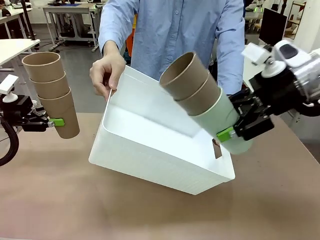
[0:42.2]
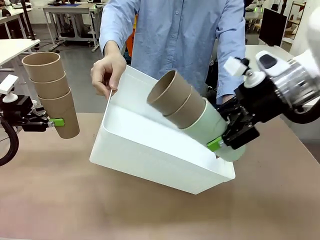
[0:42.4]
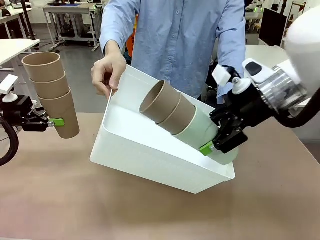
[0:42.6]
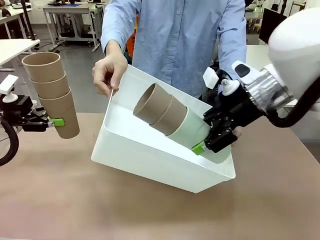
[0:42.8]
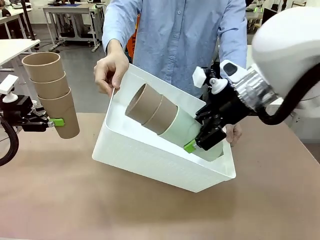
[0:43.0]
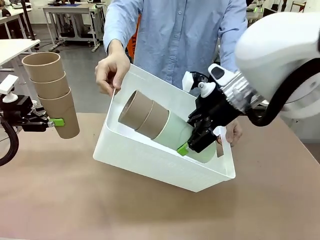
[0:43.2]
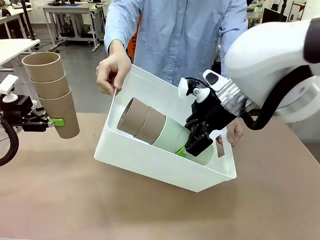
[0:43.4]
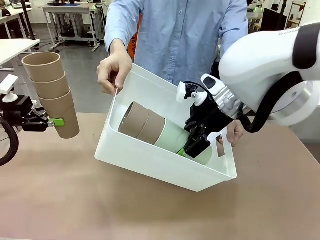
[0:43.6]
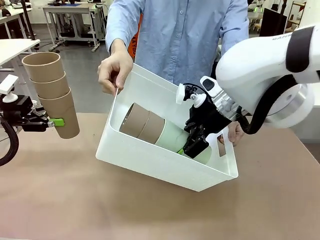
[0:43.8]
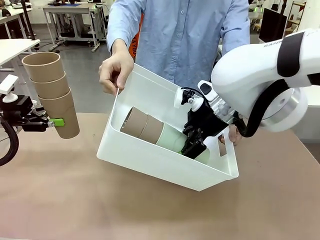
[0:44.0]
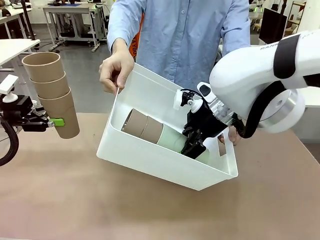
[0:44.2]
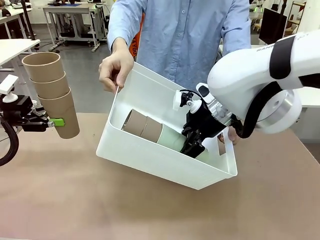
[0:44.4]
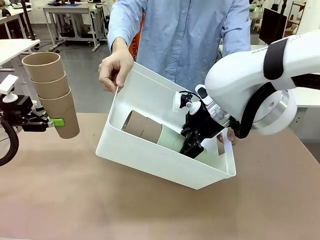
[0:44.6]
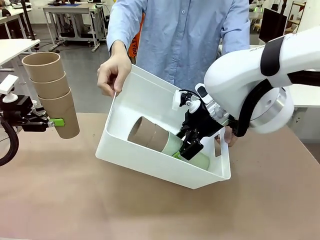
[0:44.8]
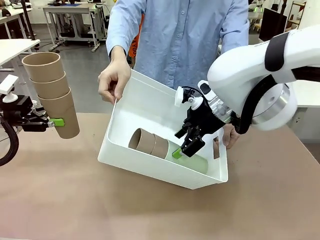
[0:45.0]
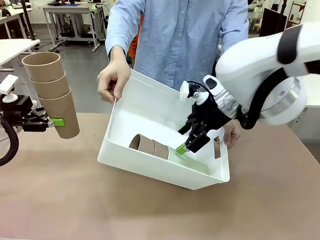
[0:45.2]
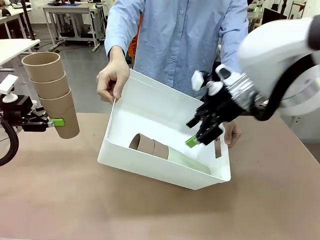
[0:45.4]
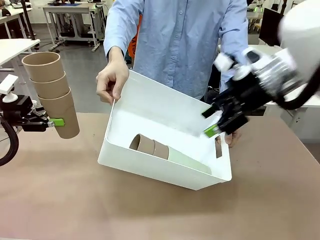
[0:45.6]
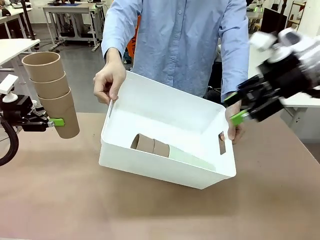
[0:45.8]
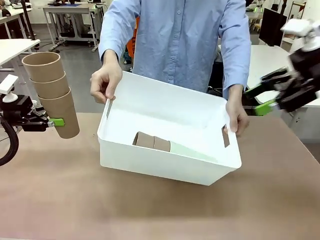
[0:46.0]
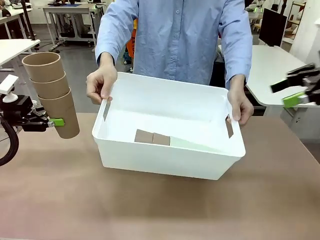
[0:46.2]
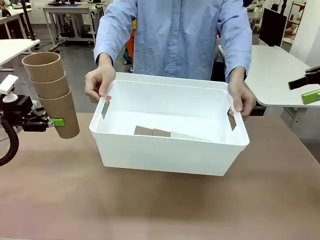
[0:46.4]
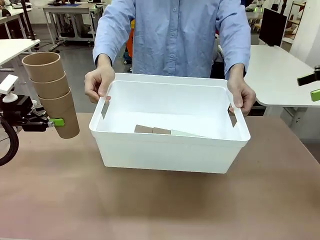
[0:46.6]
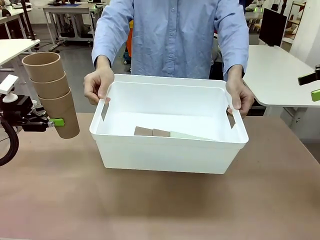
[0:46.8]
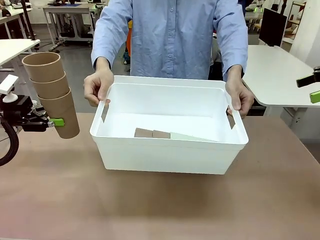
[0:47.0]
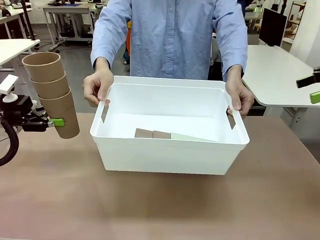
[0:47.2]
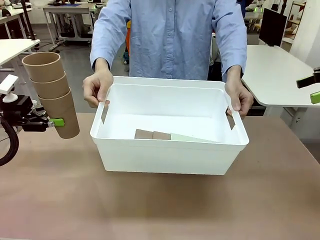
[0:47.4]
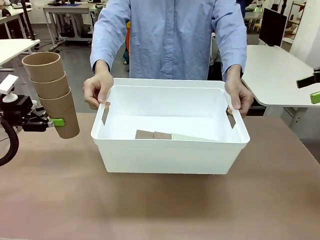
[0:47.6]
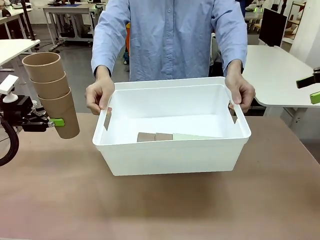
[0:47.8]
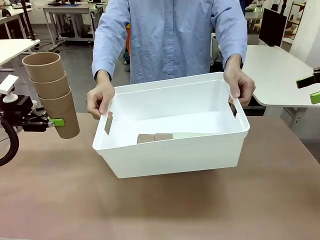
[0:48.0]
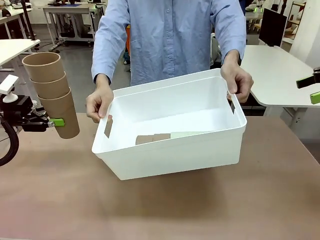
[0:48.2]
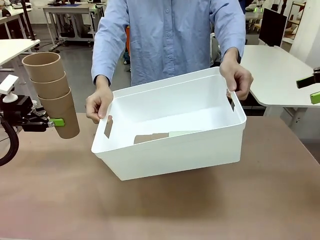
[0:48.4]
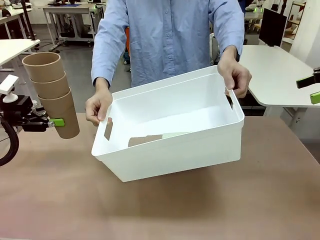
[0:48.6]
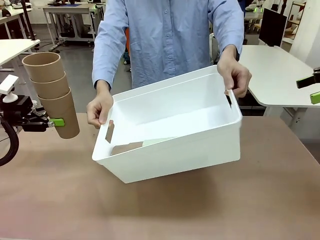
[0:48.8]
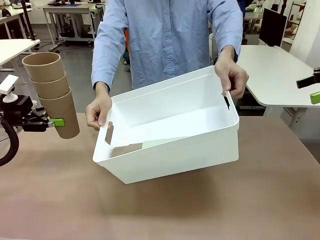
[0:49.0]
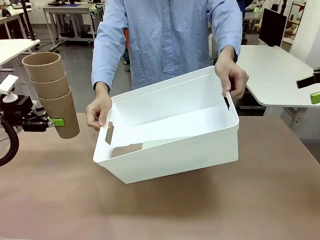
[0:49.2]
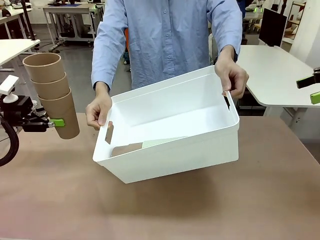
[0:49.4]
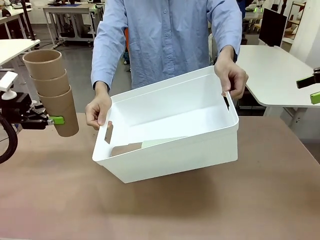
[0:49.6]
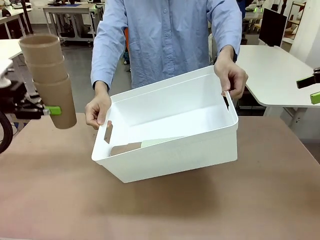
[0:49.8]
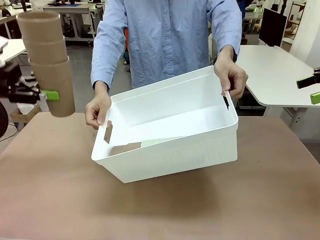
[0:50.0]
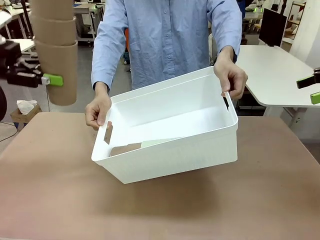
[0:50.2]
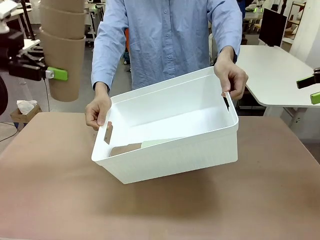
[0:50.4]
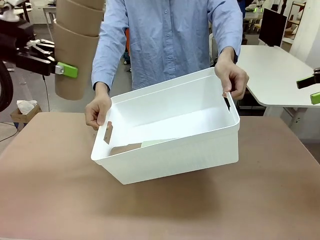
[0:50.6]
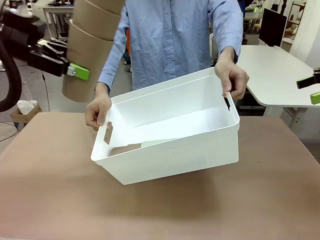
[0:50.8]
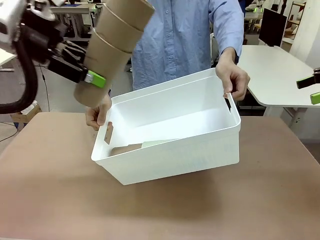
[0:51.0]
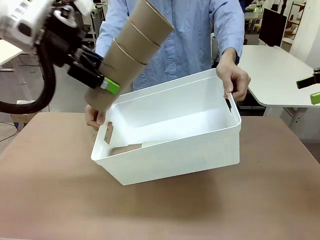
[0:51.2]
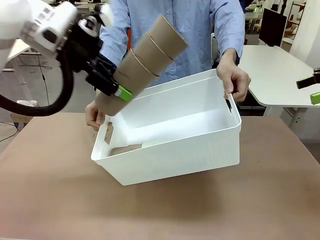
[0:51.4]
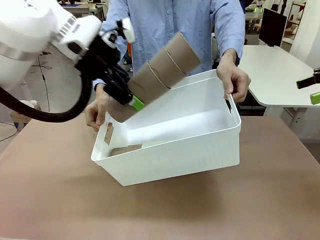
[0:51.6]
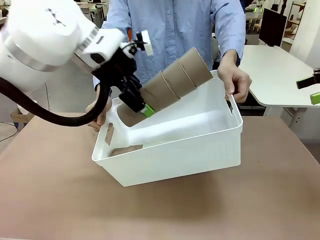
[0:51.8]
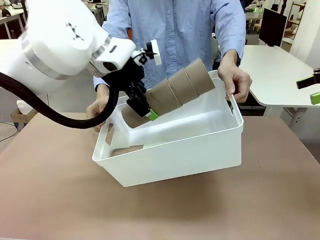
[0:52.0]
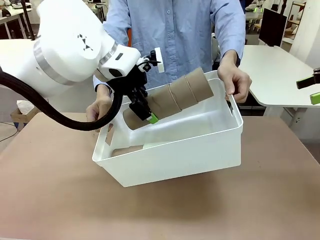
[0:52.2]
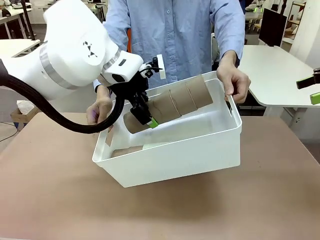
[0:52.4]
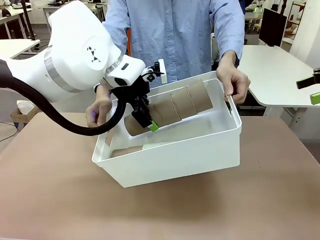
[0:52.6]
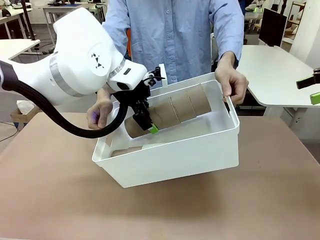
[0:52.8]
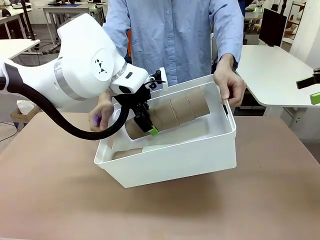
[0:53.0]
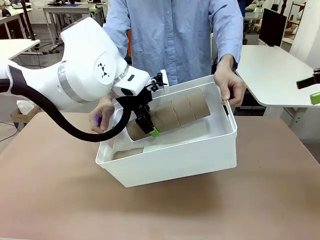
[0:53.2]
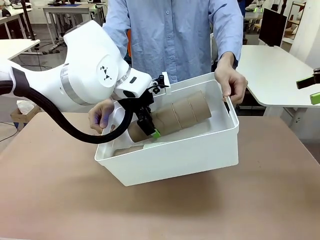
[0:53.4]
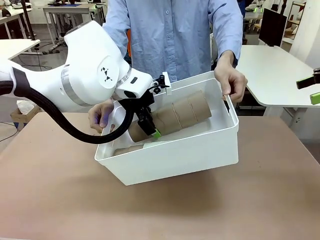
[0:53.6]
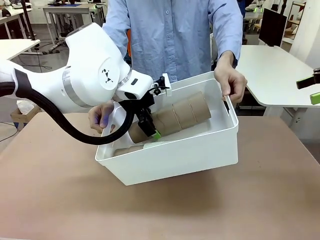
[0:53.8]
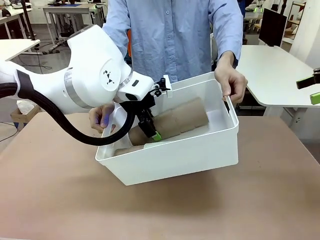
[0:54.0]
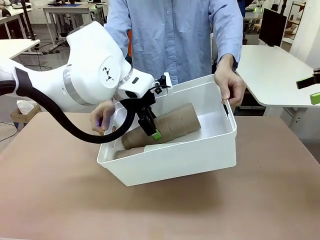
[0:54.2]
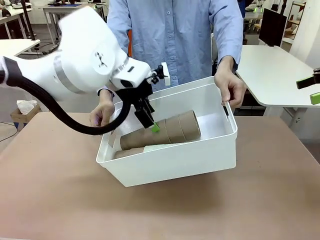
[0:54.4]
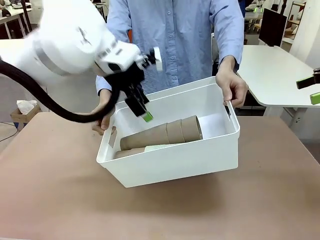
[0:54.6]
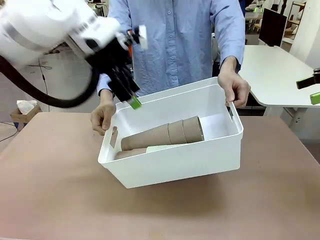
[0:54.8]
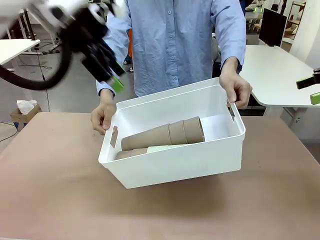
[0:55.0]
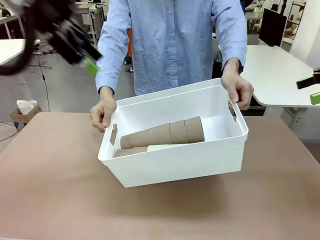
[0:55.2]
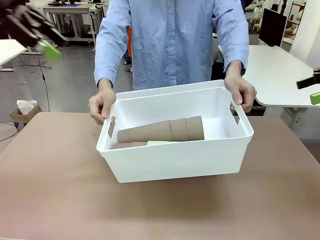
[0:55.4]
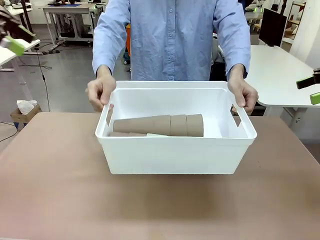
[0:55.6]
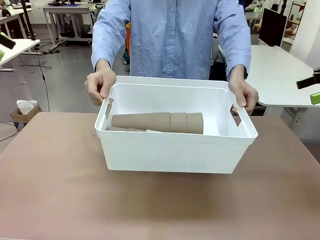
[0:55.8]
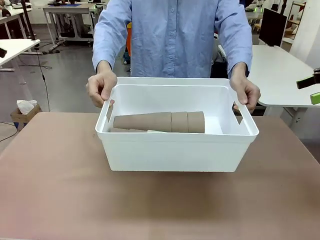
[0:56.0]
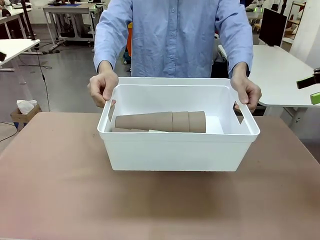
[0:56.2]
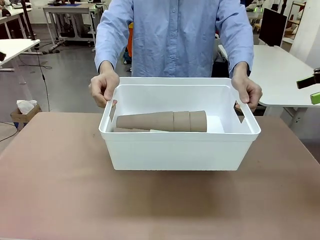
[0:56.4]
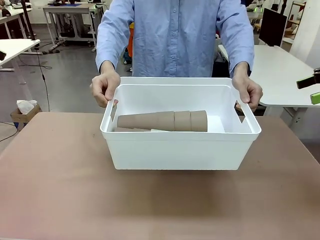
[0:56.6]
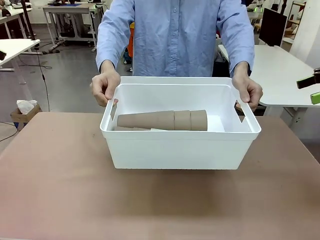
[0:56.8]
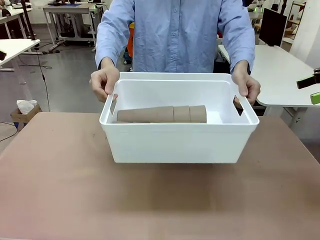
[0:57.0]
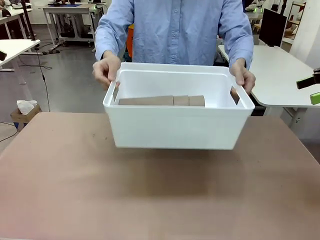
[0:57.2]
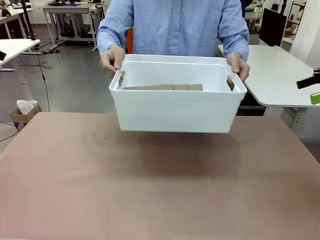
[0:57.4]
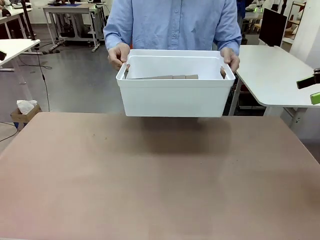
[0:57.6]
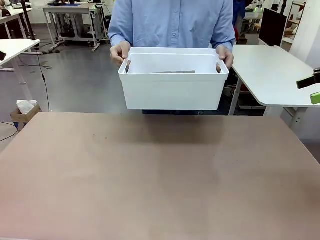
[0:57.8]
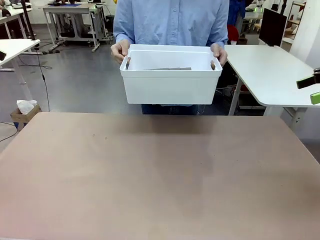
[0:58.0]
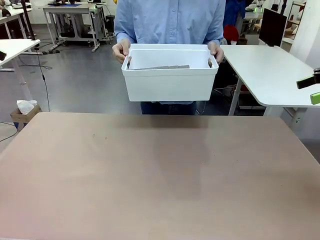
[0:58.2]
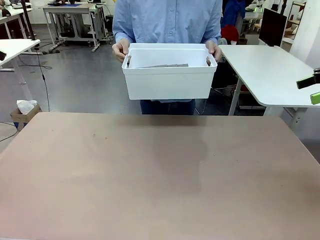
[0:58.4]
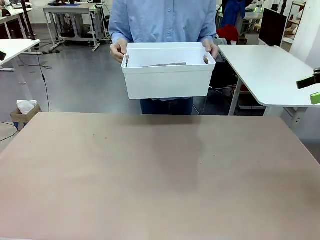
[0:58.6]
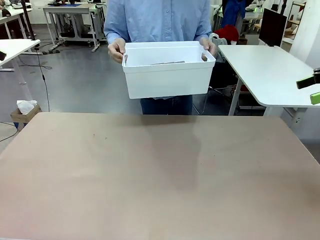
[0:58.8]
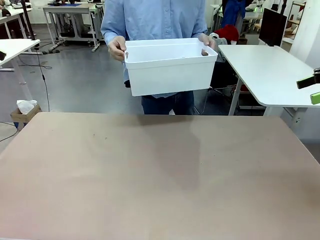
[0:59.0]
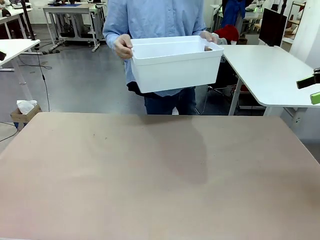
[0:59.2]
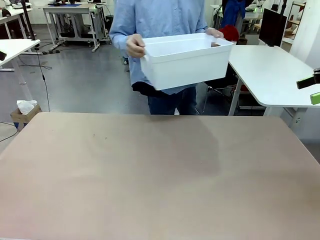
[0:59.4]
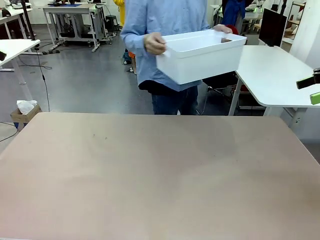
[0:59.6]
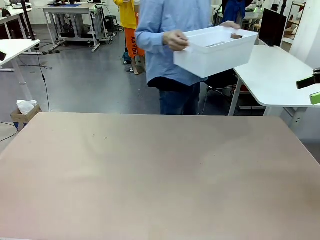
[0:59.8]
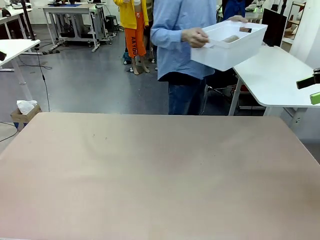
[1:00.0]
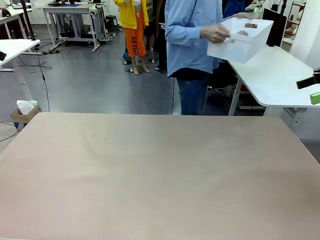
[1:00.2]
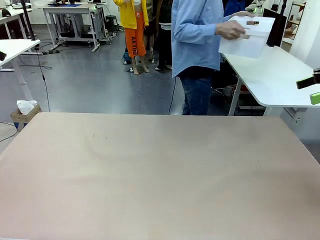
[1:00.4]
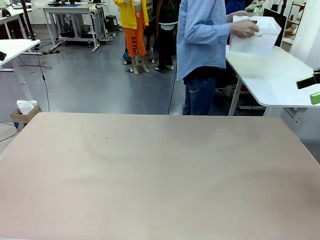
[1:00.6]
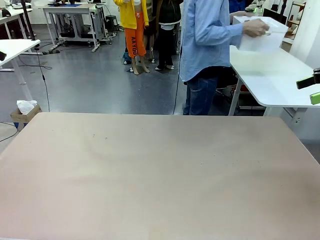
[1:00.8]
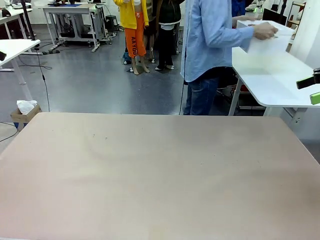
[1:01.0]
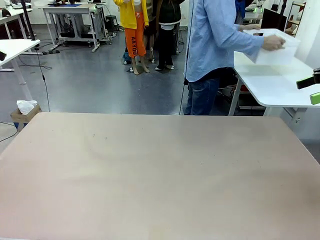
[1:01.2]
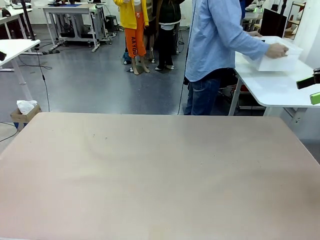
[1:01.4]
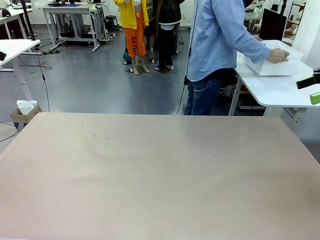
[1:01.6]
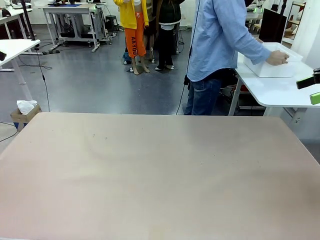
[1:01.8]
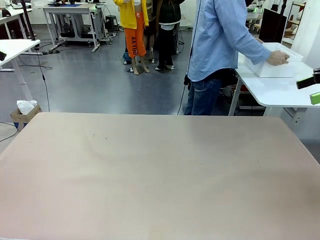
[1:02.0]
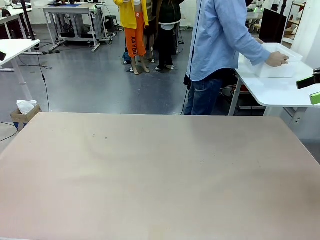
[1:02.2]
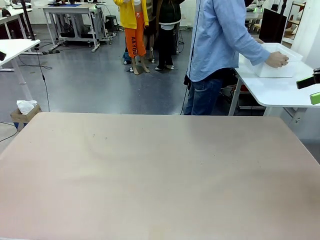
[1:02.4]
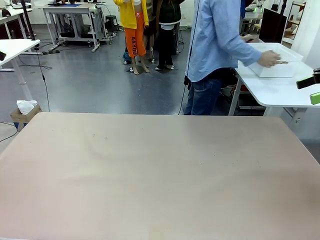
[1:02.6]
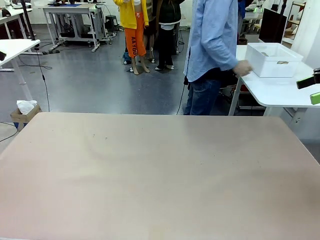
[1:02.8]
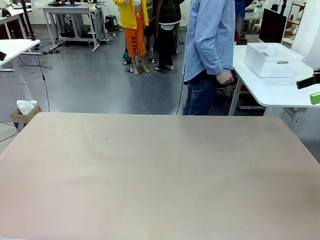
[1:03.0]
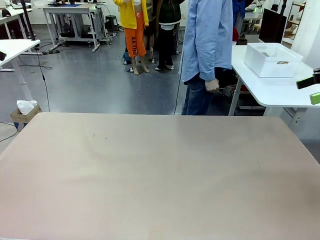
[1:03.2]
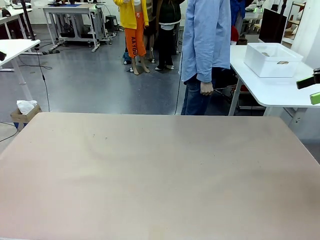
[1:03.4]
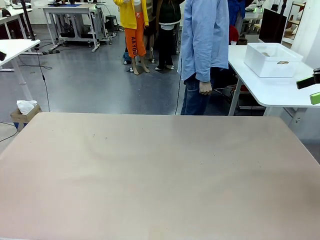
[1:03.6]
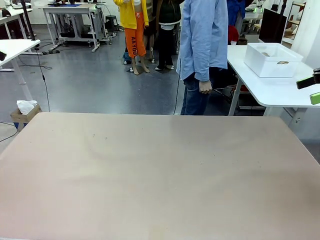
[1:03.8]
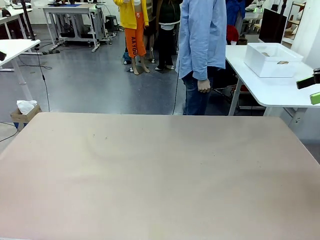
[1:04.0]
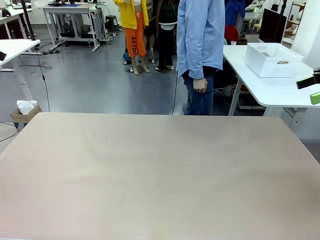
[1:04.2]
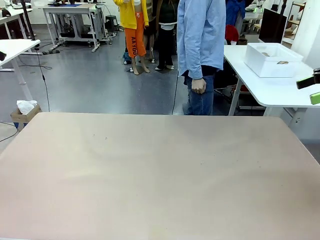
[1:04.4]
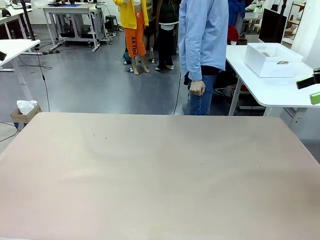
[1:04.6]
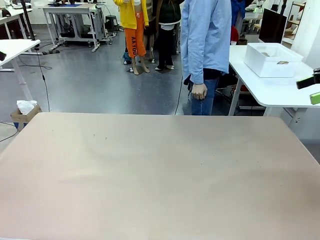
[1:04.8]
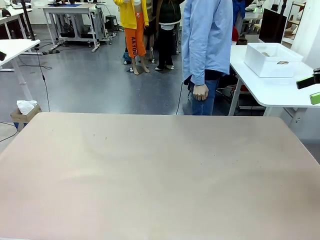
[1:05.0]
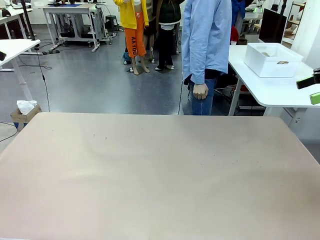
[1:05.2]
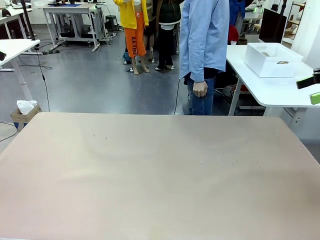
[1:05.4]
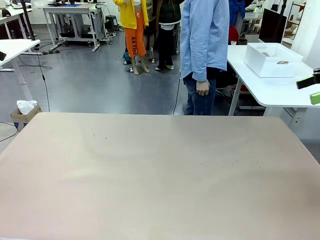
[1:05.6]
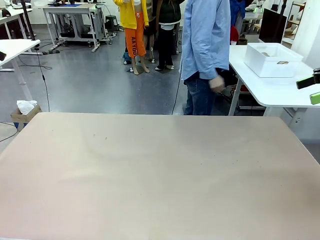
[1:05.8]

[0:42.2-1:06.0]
Task: Stack the cups and store them in the basket.
Robot: Place the stack of Reusable plastic cups into the Pantry Basket.
Person: Place the basket containing the cups in the middle of the Human Table.
